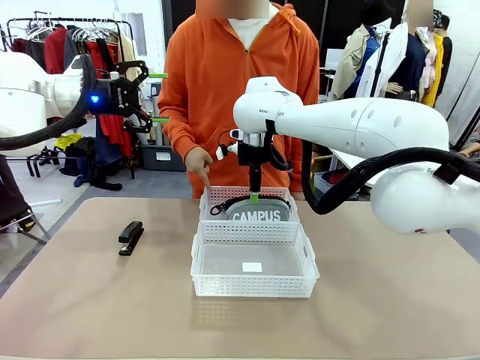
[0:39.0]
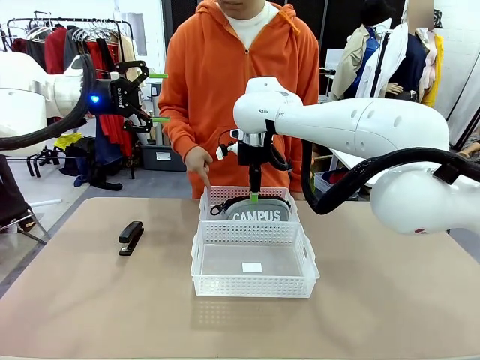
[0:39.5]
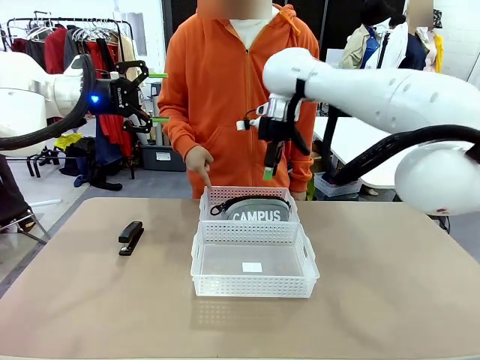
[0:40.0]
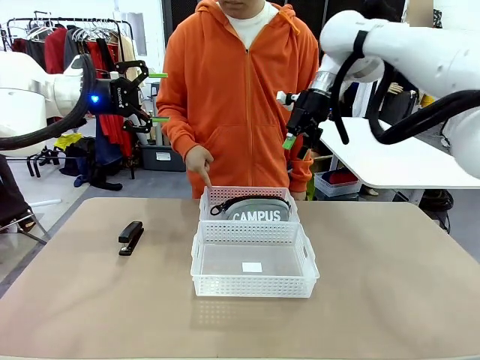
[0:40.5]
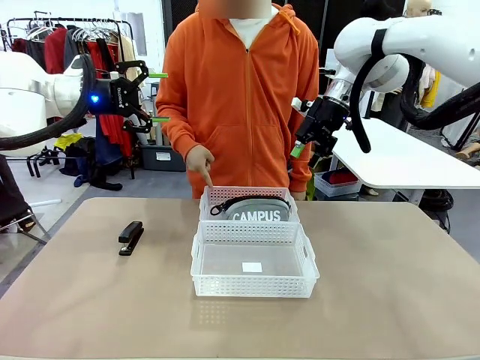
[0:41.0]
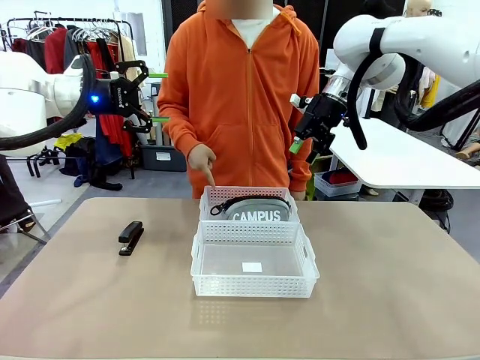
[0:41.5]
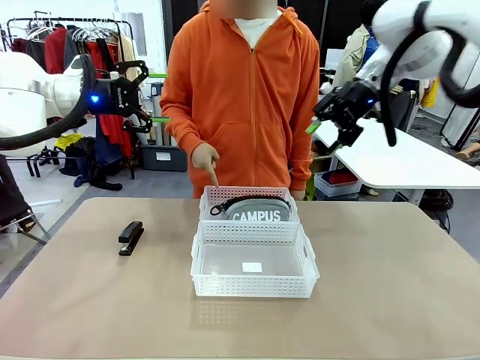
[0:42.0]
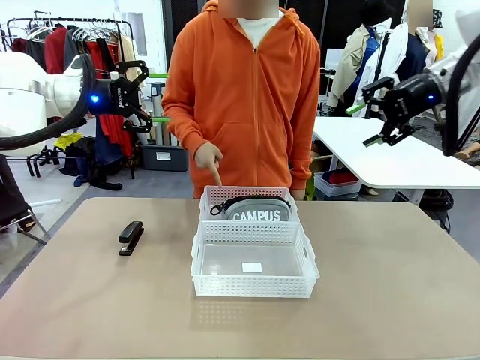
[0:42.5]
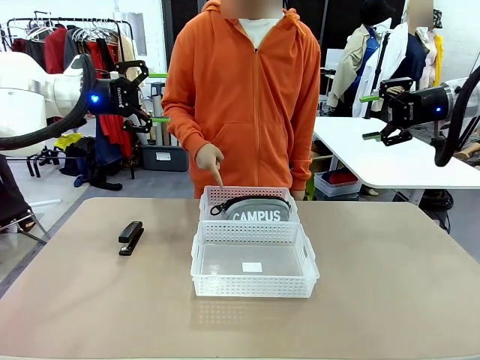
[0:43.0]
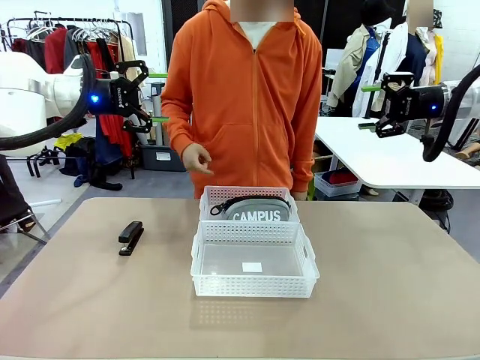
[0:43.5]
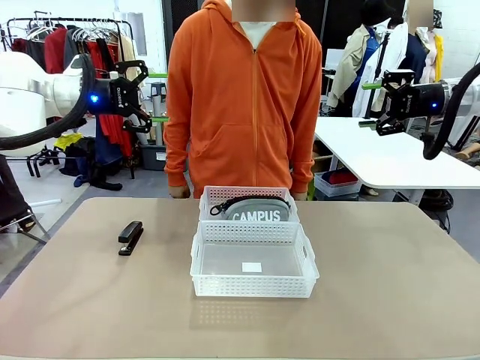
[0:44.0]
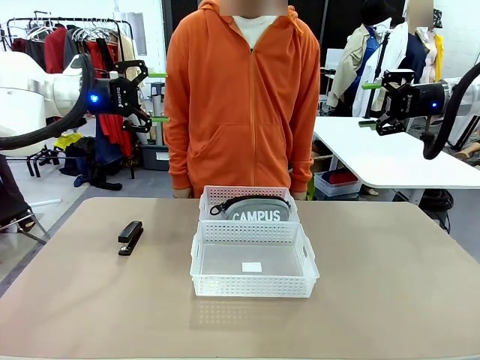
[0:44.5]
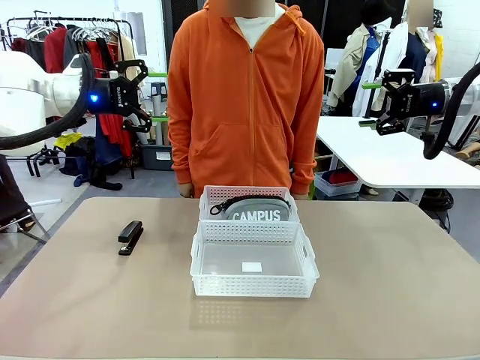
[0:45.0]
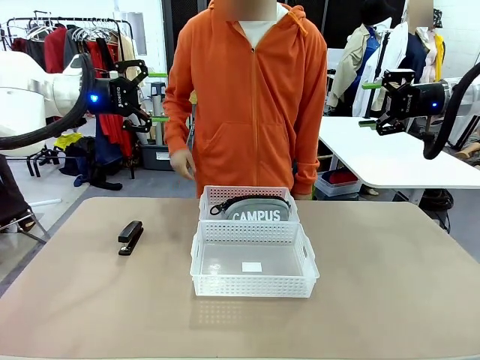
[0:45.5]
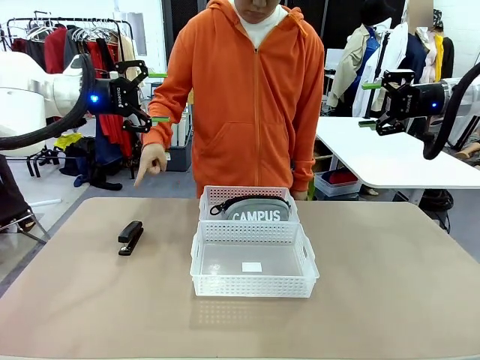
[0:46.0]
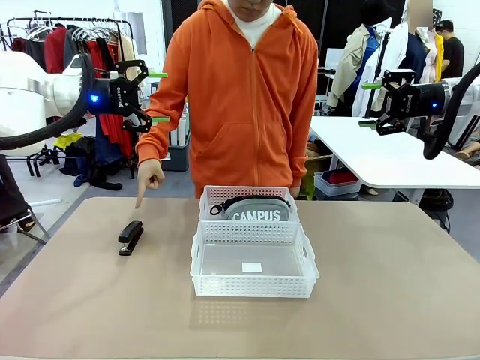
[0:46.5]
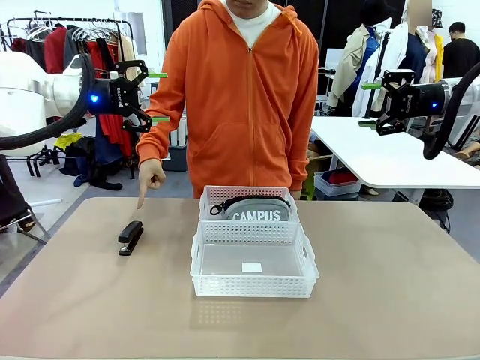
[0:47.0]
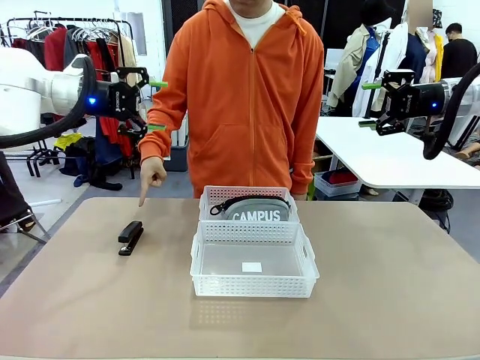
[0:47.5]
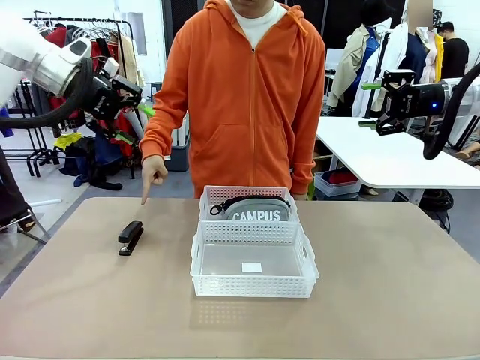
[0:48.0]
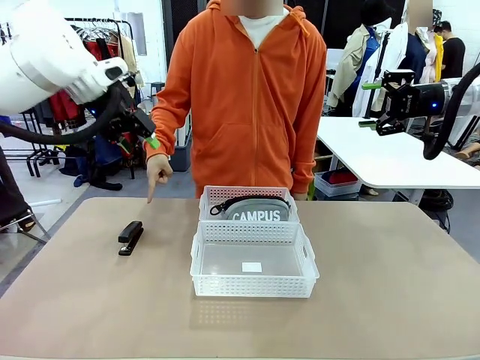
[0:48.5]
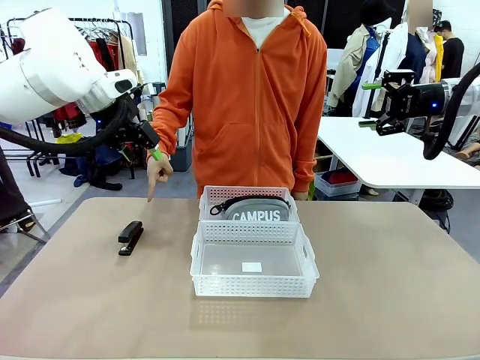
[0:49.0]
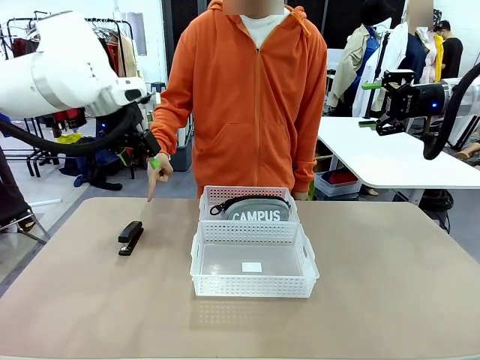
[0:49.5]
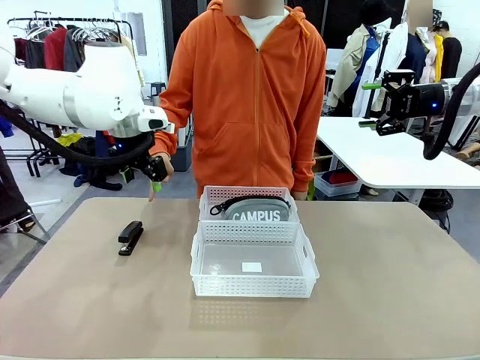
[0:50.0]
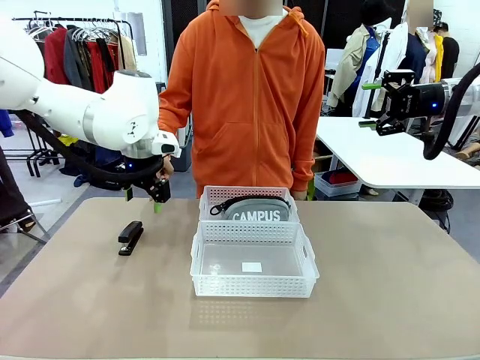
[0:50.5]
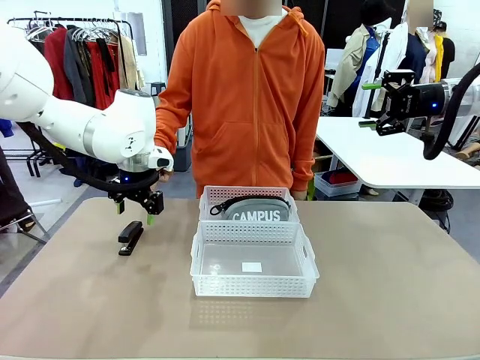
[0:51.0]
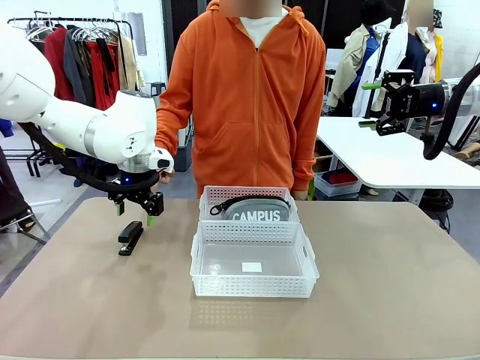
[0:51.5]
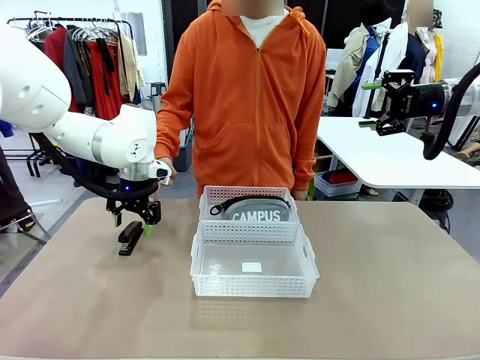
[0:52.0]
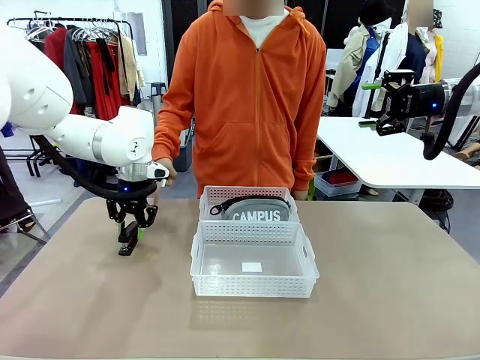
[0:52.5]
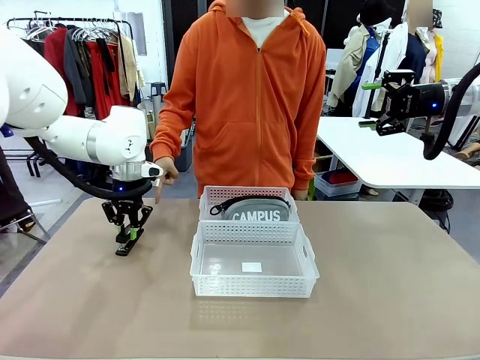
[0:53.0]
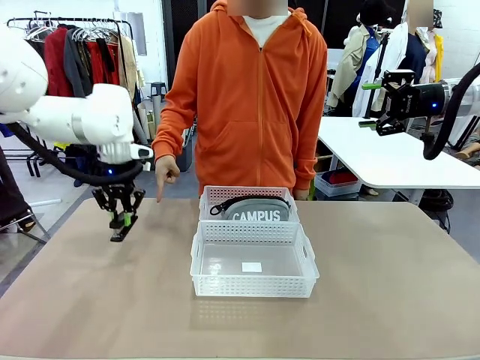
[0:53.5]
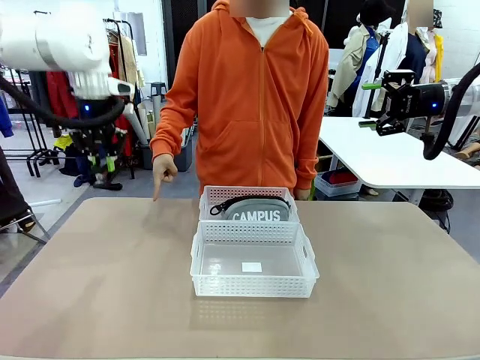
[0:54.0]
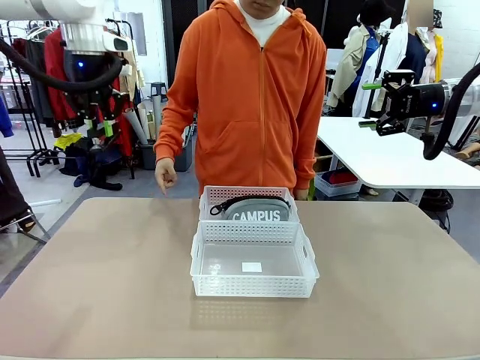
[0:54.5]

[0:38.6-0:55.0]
Task: Distribute items into two baskets.
Robot: Pick up the Stapler that the person points to.
Person: Points to the stapler.

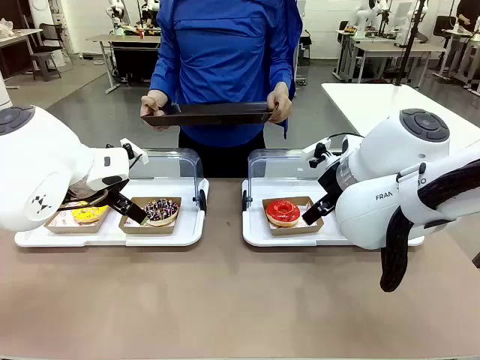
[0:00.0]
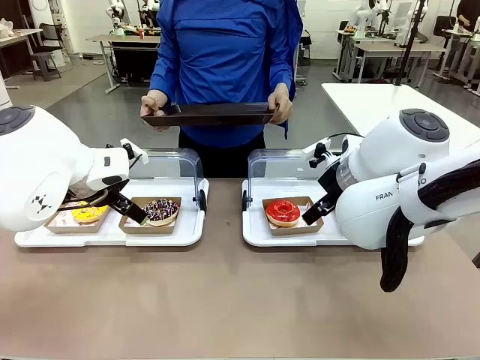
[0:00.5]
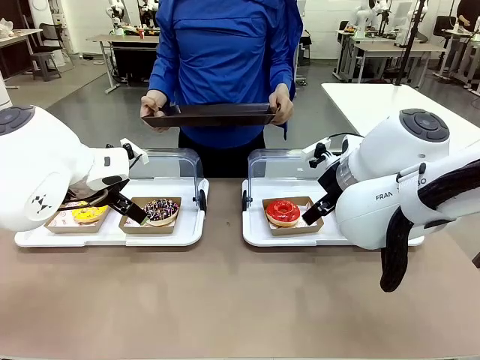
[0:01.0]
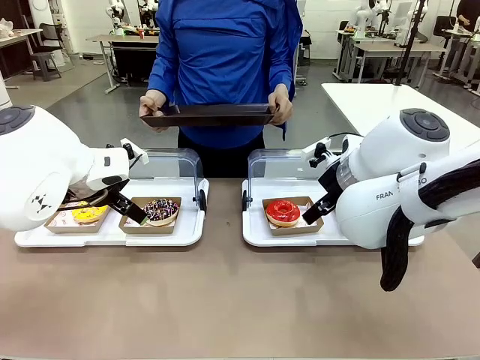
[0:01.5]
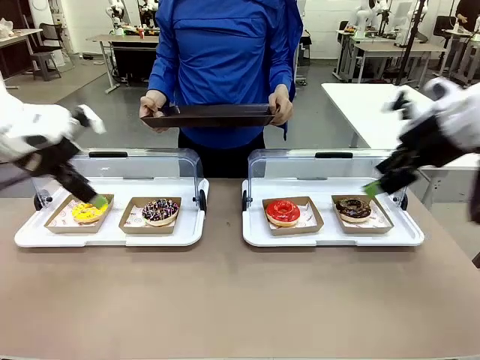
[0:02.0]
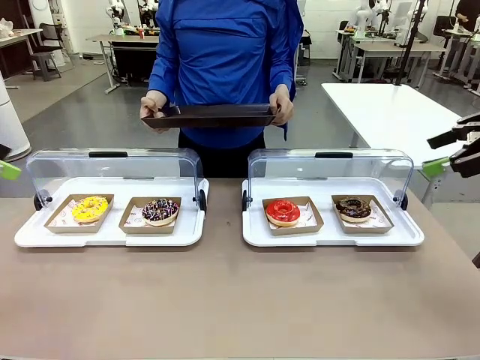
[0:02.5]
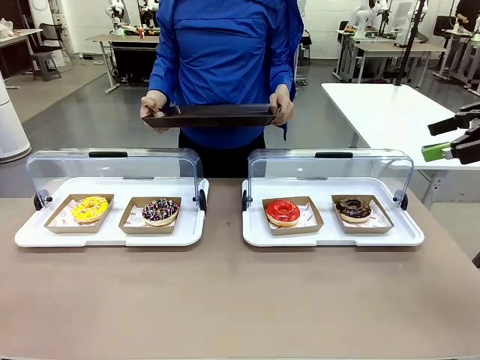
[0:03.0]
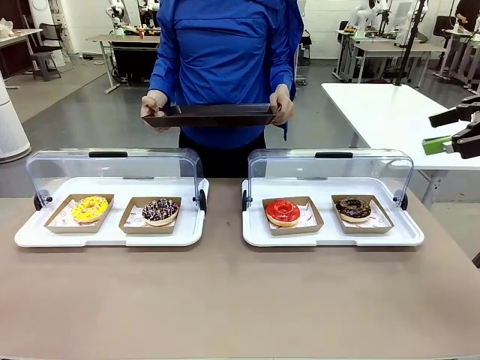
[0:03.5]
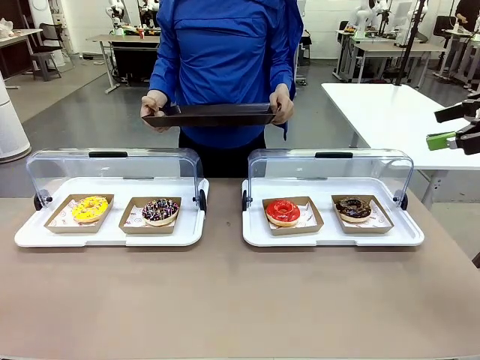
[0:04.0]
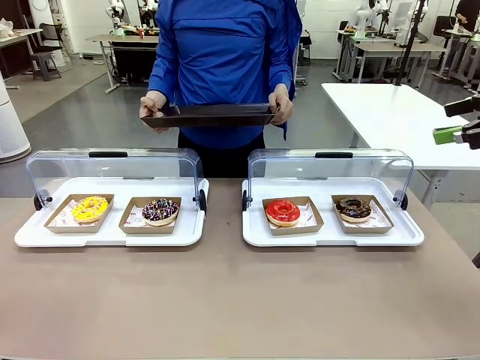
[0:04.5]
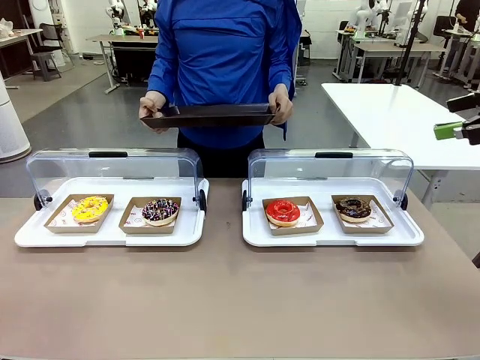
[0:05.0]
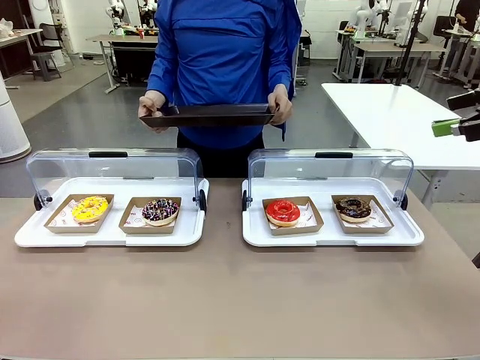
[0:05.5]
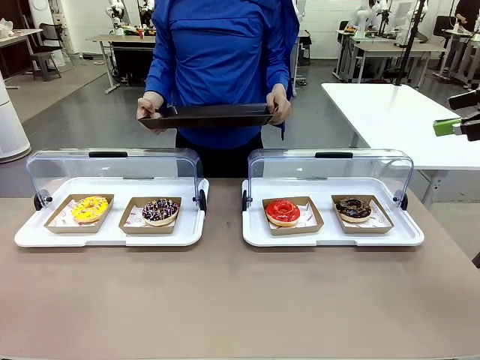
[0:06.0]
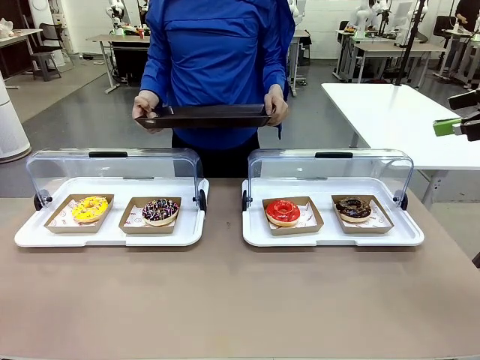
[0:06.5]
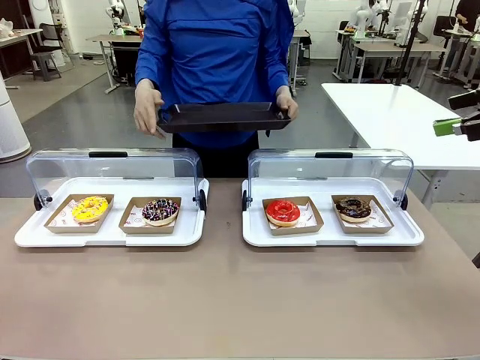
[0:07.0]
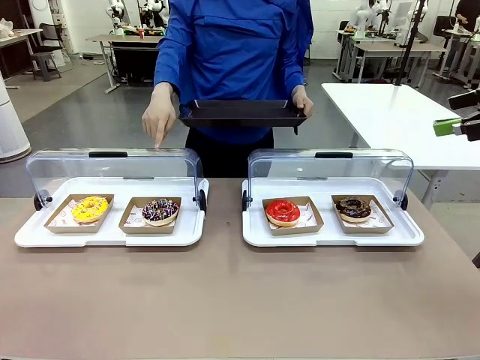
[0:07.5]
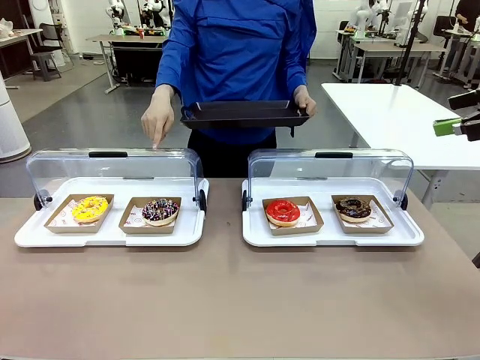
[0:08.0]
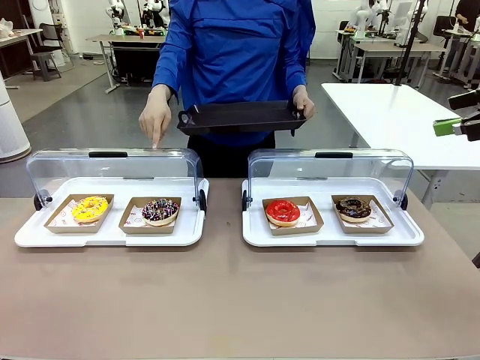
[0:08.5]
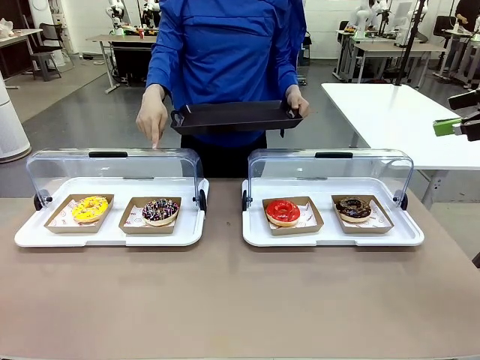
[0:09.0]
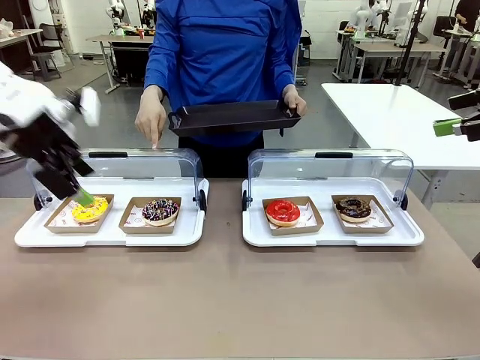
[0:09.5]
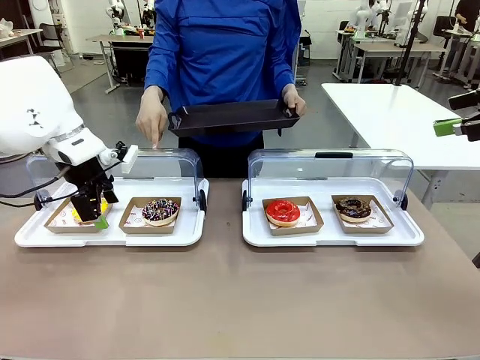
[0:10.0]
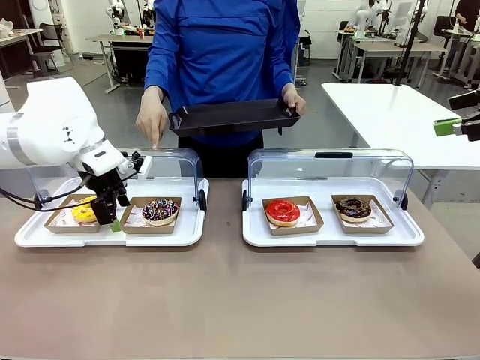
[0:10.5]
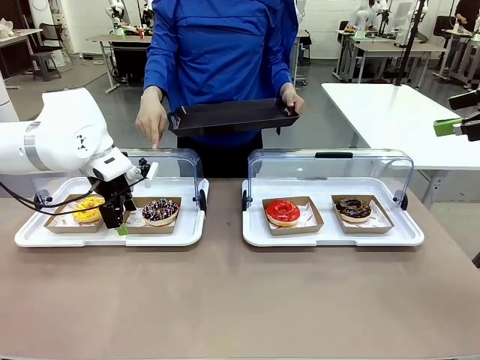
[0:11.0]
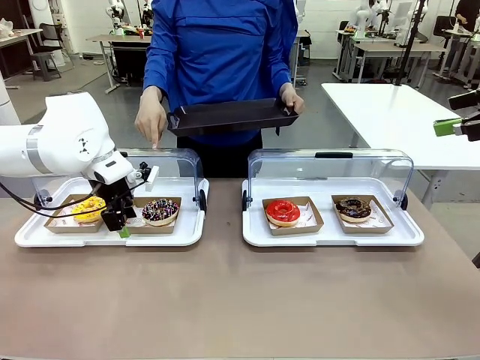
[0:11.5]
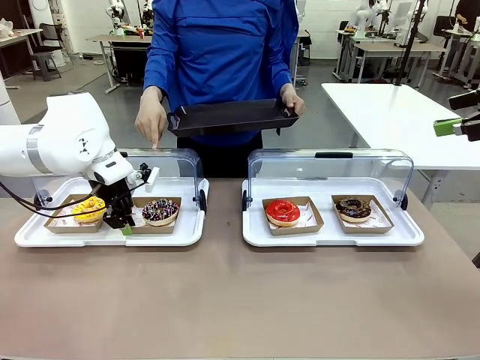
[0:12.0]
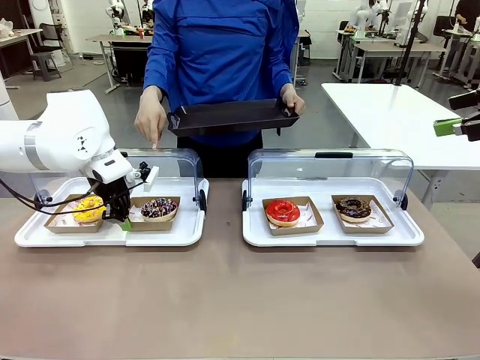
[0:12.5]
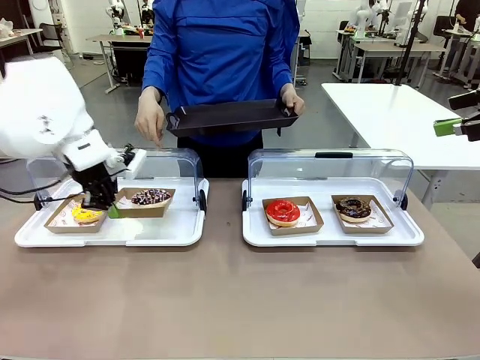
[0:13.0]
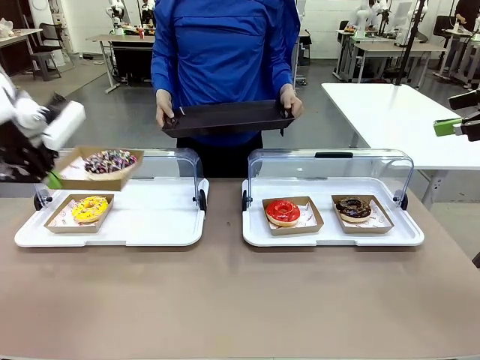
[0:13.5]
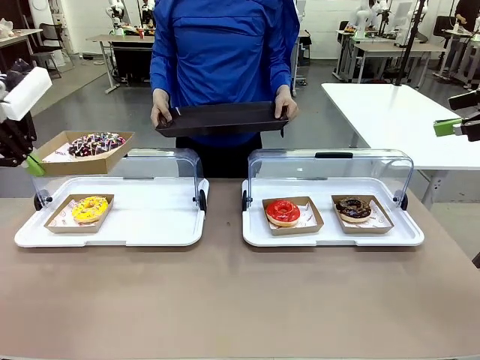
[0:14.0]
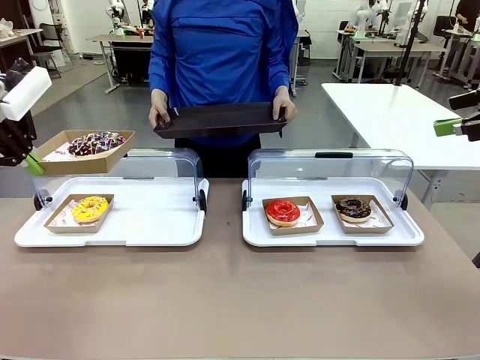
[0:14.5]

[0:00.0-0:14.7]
Task: Provide the desired donut to the person.
Robot: Pick up and lift the Paper togo box containing the Donut pointed at by the person.
Person: Point to one donut. Lift the tray onto the Roll-Top Bakery Case.
